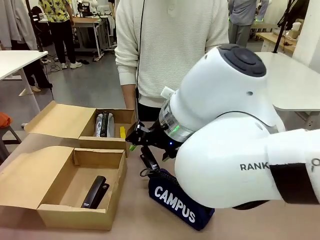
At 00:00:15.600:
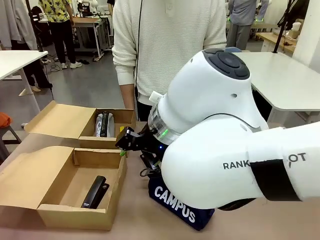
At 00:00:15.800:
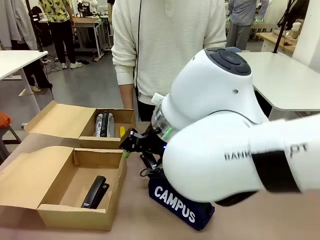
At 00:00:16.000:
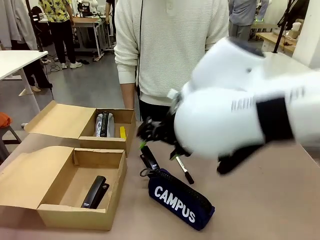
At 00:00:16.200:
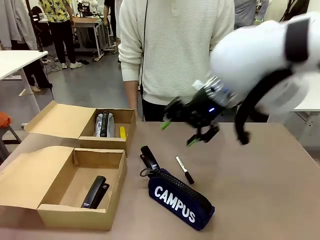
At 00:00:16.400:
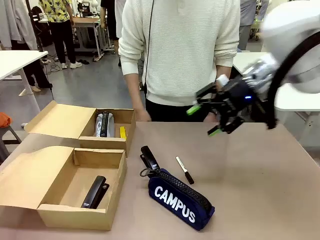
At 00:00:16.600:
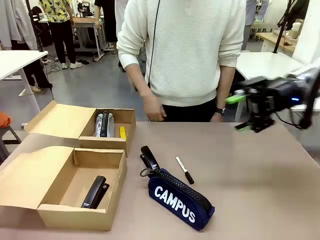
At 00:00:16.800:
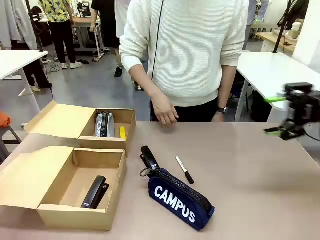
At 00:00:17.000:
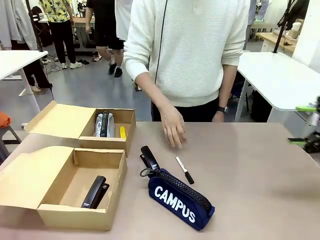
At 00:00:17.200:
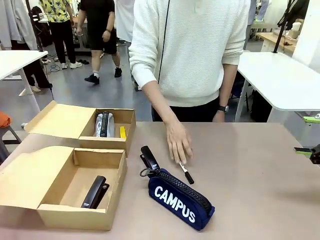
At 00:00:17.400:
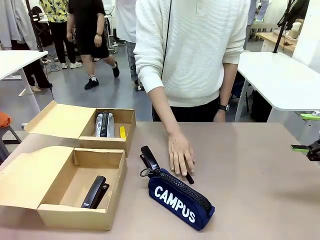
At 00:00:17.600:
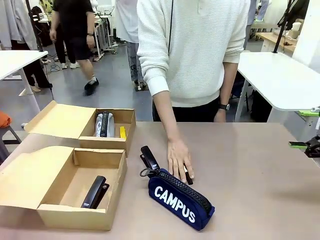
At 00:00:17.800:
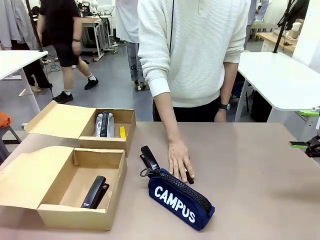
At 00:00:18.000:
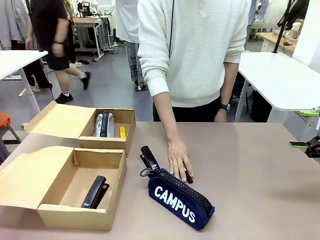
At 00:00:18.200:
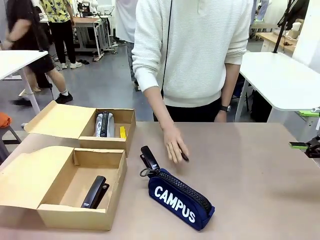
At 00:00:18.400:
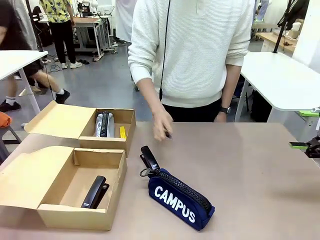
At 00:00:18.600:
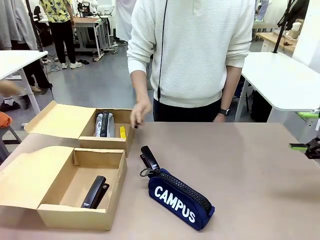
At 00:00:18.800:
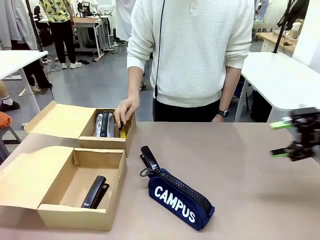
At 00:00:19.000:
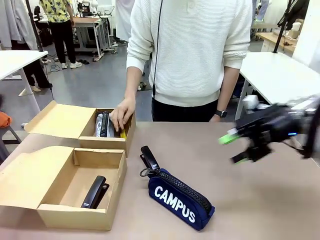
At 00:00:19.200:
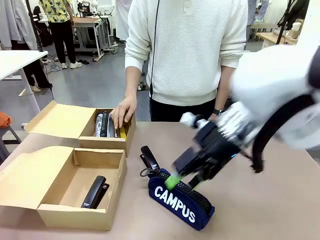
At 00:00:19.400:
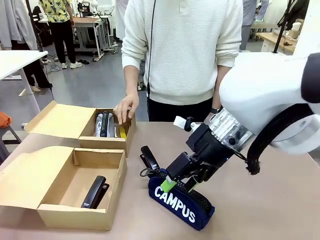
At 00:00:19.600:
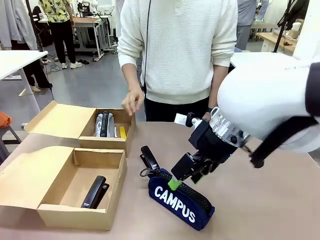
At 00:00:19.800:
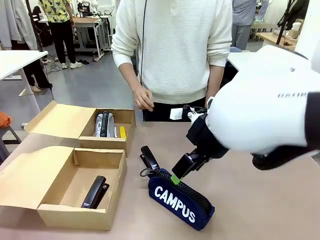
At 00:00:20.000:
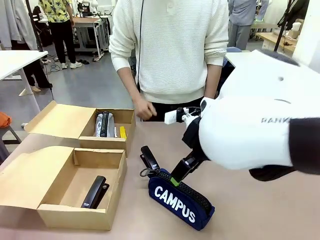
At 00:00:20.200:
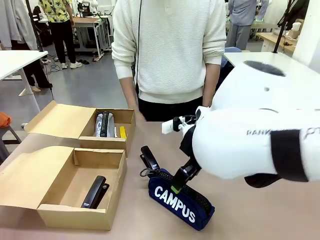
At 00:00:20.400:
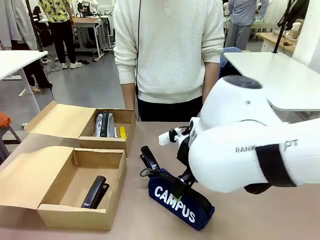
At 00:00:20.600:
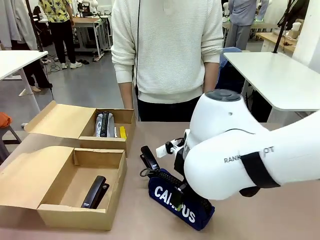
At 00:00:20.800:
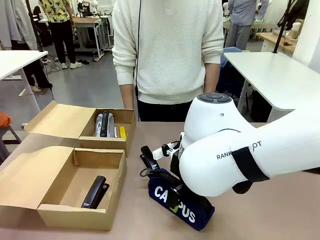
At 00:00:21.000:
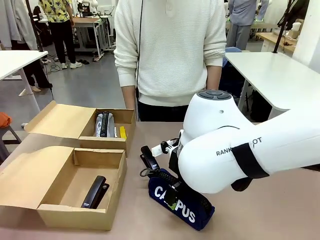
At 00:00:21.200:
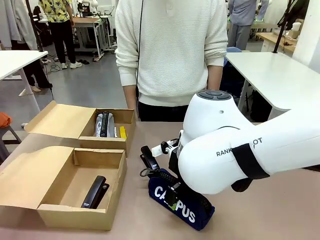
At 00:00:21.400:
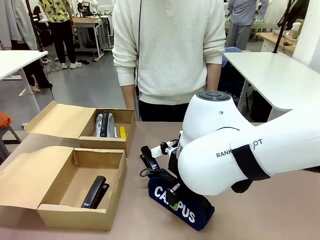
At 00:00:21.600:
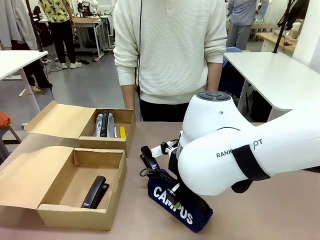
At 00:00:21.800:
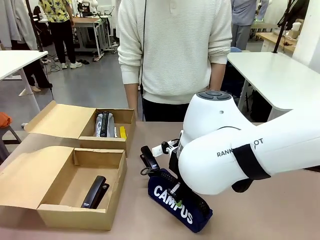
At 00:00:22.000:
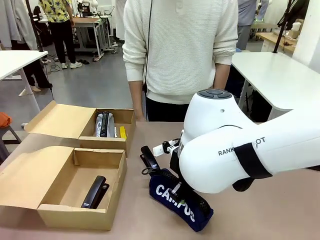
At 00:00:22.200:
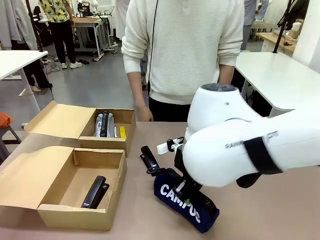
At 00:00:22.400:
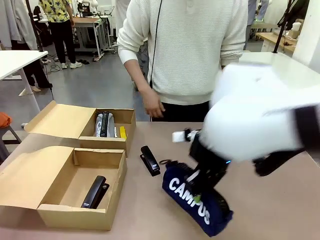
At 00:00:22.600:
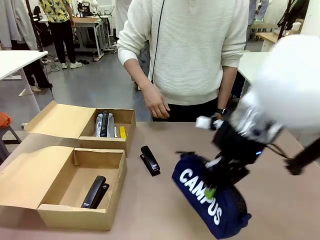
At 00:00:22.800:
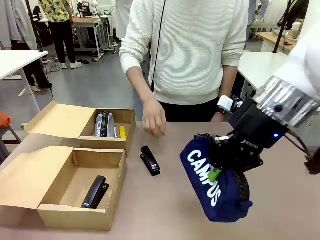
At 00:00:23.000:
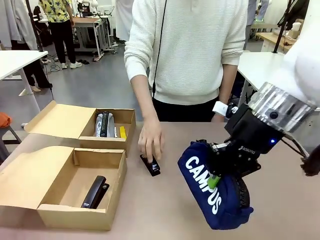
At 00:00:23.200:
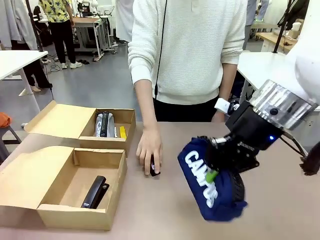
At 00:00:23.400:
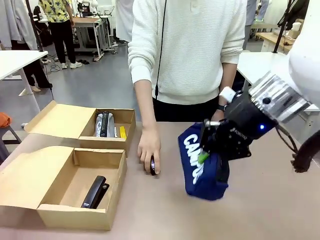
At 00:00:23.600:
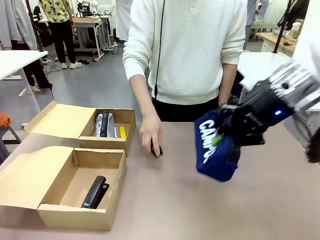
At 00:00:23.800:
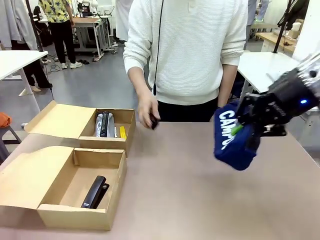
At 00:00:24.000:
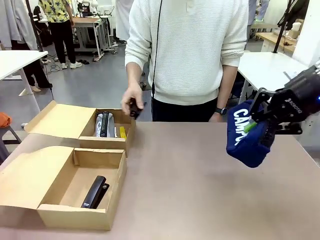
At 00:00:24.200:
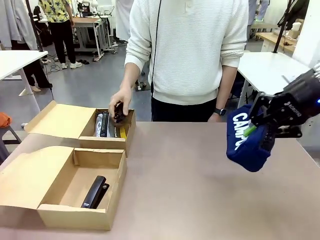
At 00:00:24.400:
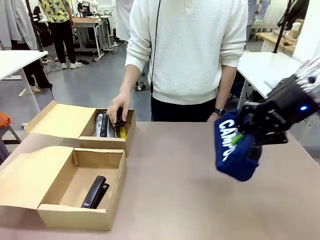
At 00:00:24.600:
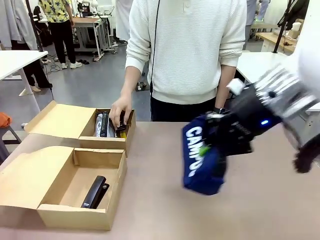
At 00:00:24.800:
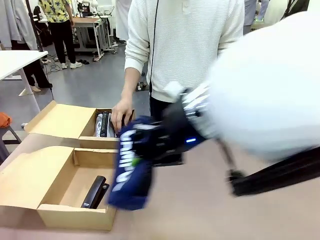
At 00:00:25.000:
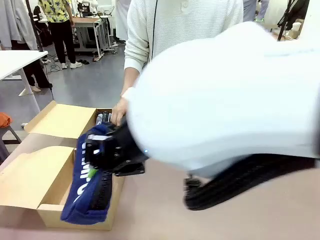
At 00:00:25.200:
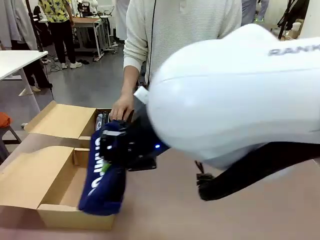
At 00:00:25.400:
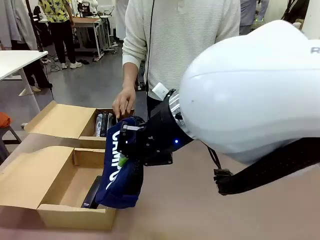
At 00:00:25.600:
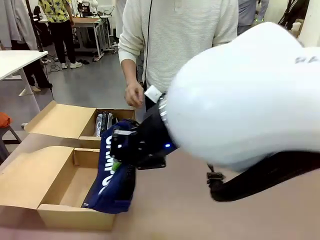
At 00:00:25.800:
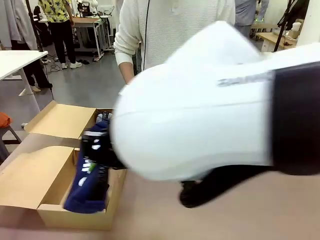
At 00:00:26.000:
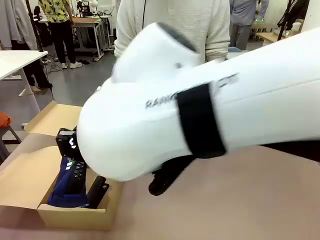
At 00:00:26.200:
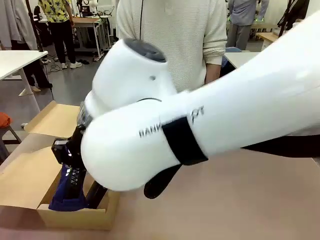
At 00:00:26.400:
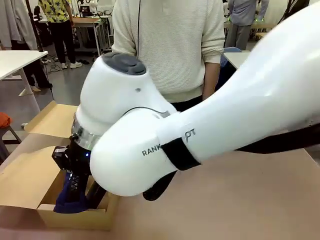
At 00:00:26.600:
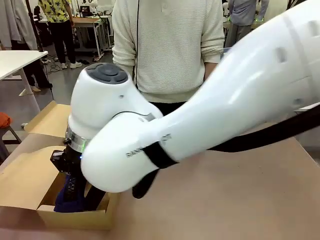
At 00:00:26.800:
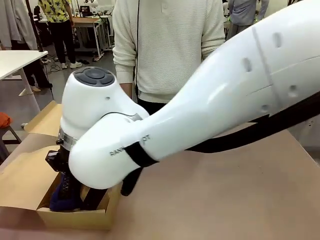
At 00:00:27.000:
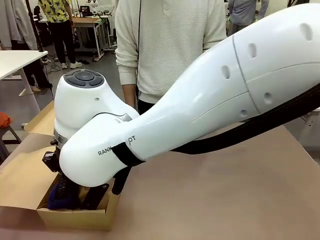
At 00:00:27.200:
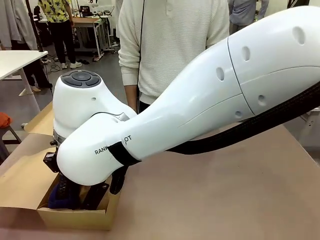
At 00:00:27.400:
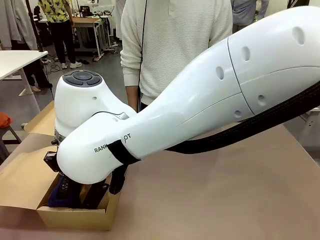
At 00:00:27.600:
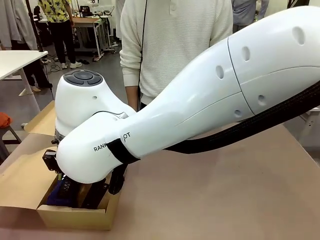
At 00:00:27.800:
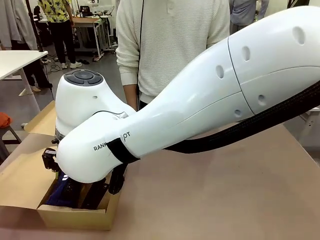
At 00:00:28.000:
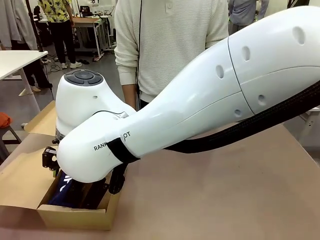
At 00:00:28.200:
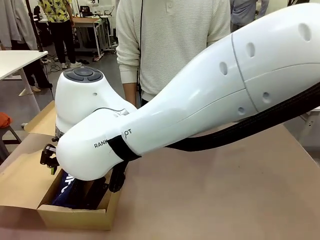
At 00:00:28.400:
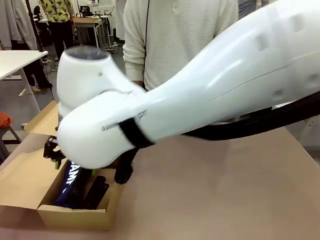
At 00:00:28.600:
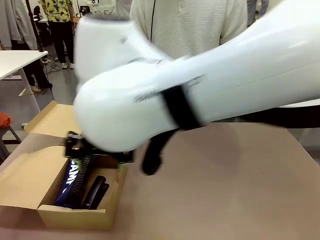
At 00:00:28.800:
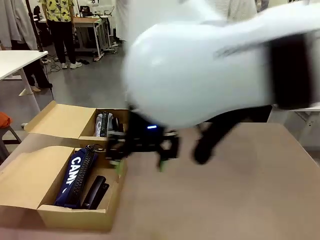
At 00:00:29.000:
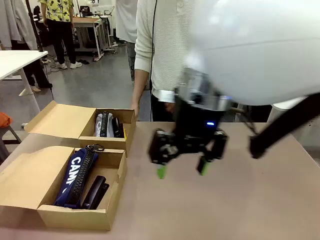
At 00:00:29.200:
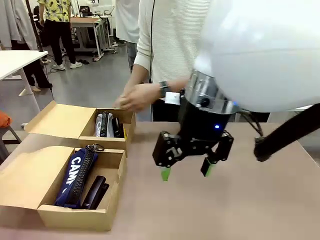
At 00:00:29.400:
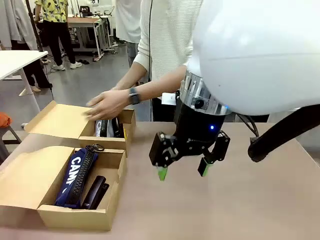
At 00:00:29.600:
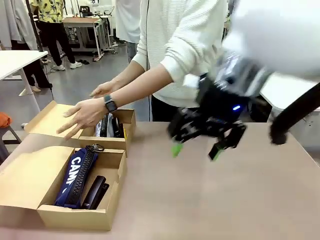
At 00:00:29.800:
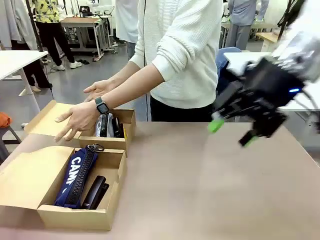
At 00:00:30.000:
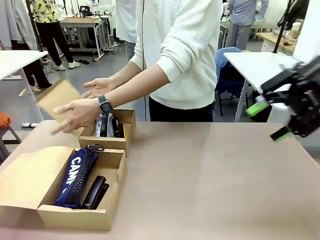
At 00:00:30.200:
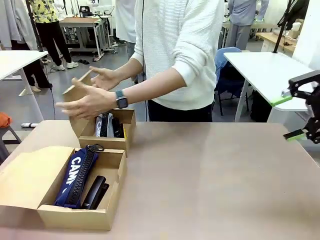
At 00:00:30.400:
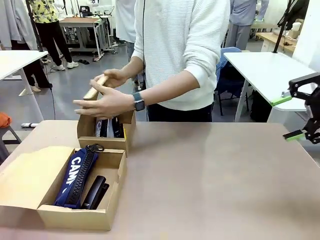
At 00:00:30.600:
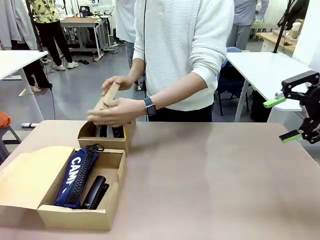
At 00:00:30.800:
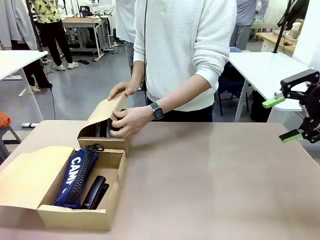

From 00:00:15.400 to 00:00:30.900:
Task: Place items inside the box.
Robot: Pick up a Pencil pouch or Stapler and place it inside the Mailer Box closest to the robot.

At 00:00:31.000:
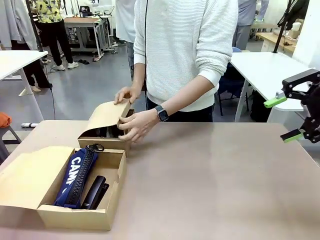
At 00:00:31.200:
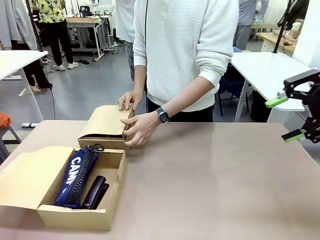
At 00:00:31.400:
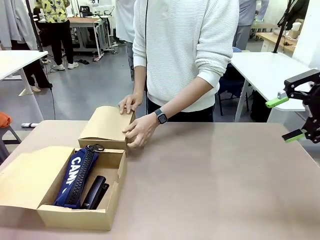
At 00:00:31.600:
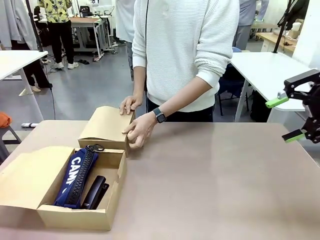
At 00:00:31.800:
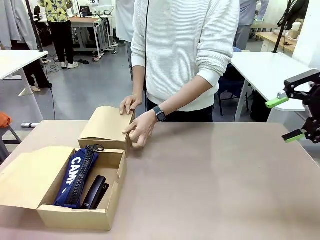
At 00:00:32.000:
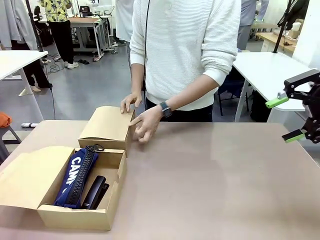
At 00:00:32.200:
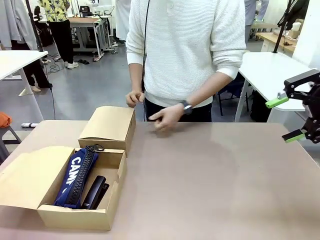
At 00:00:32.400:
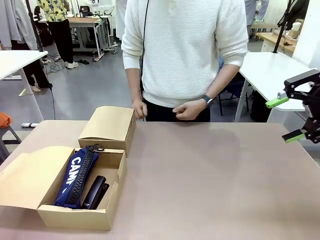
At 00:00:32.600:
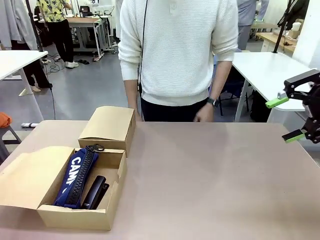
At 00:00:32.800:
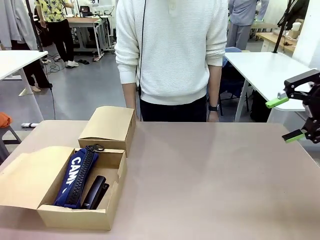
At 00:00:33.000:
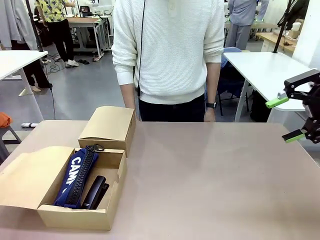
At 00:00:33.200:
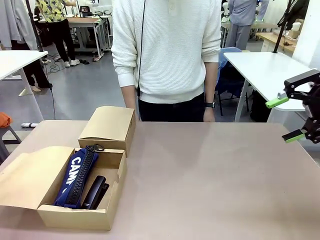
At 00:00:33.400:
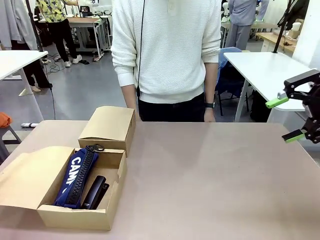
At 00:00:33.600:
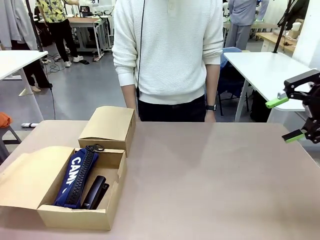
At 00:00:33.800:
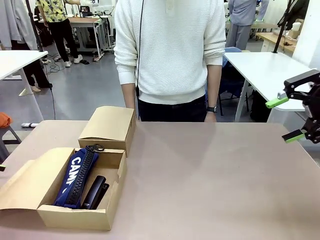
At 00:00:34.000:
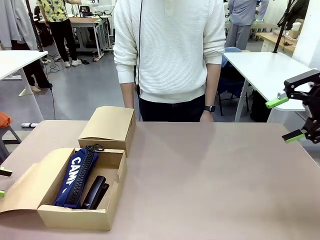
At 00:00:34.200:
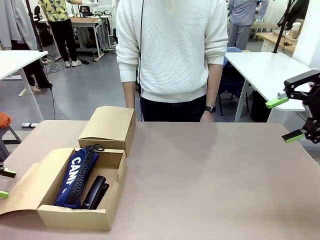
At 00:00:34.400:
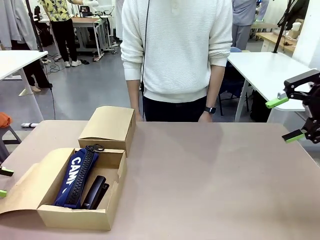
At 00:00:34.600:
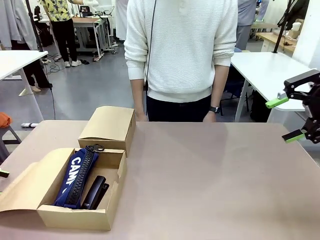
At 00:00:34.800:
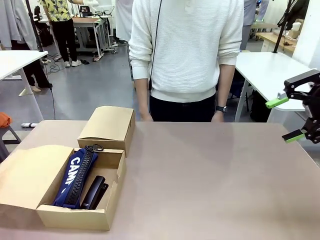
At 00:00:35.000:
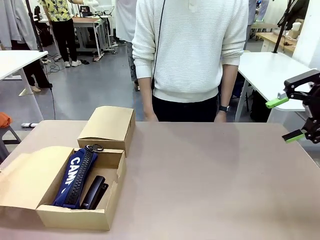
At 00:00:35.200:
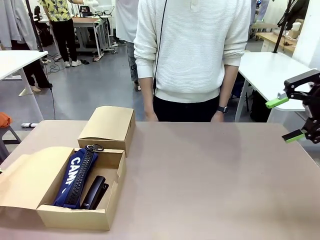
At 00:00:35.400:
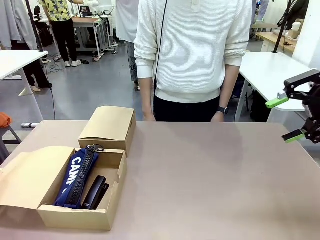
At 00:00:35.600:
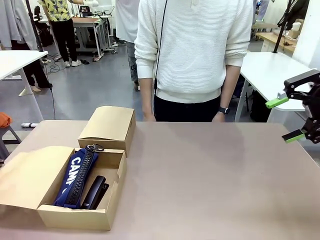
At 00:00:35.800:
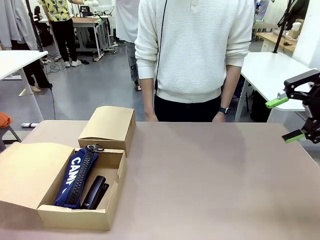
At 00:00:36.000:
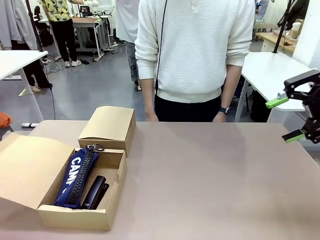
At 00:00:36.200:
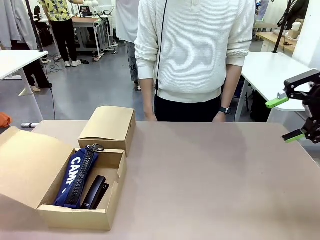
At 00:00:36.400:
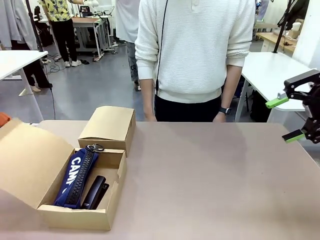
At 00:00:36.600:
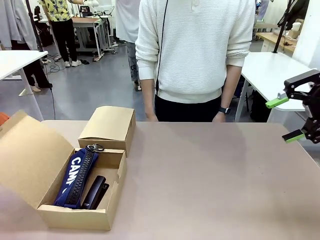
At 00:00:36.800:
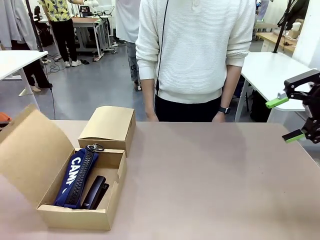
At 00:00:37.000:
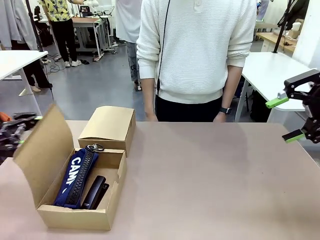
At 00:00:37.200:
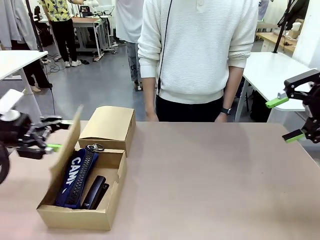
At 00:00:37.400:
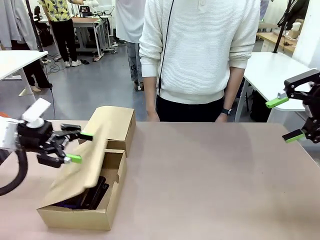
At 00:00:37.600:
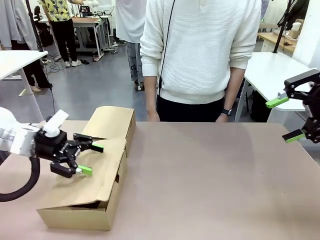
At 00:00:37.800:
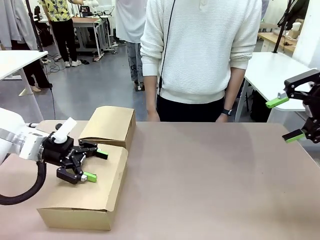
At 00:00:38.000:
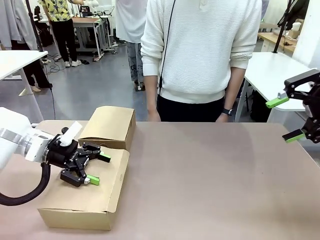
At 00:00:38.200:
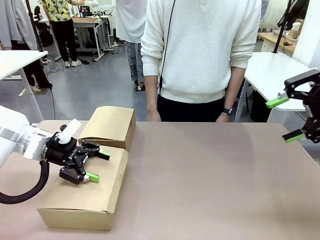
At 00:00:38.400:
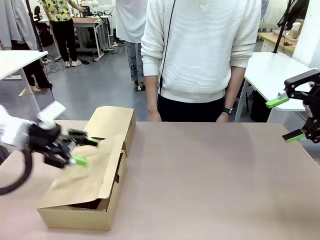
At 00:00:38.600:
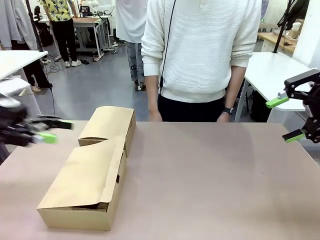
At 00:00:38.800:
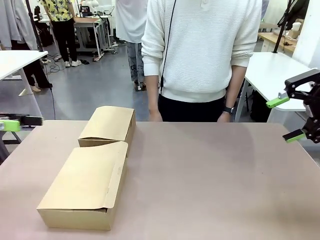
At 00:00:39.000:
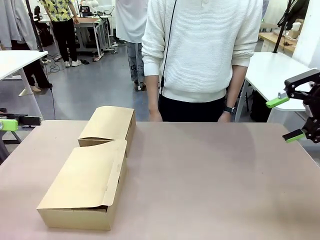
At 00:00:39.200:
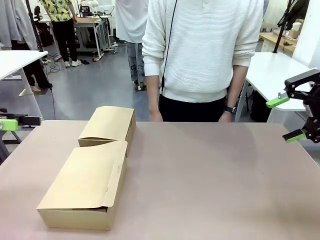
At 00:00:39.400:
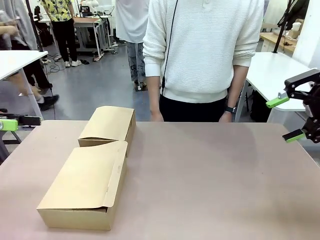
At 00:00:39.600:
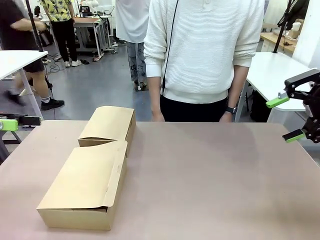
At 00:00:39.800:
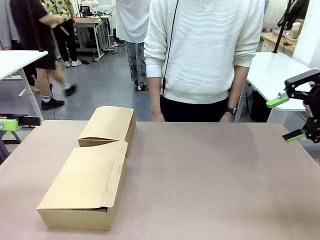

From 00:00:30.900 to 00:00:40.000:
Robot: Close the lid of the Mailer Box closest to the robot.
Person: Close the lid of the box facing the person.
